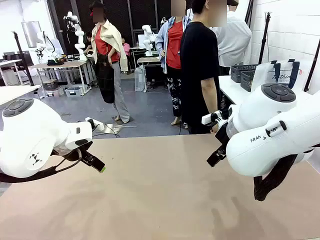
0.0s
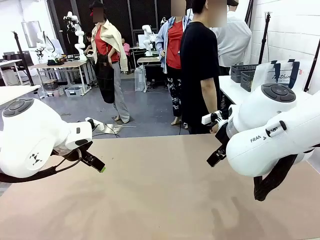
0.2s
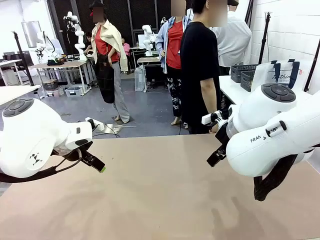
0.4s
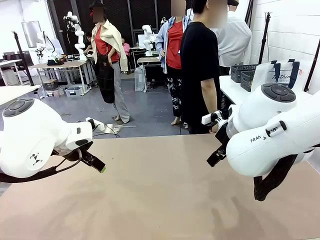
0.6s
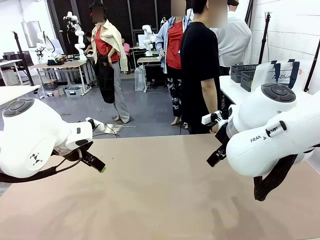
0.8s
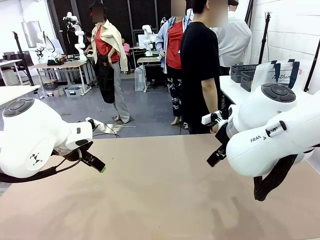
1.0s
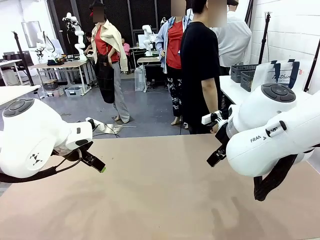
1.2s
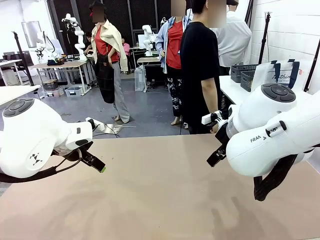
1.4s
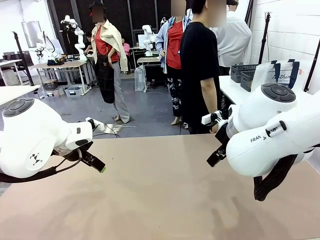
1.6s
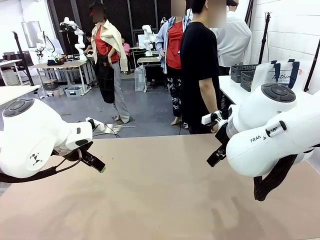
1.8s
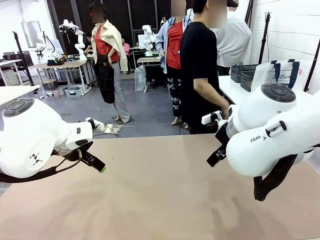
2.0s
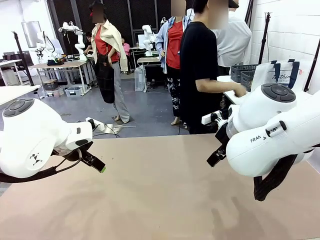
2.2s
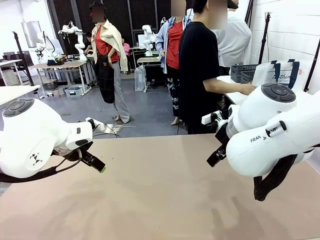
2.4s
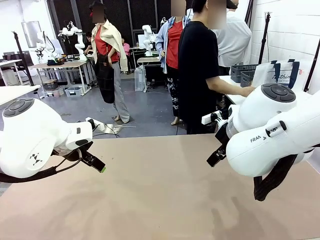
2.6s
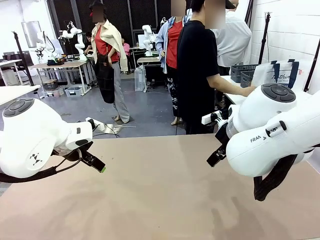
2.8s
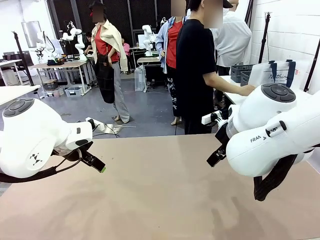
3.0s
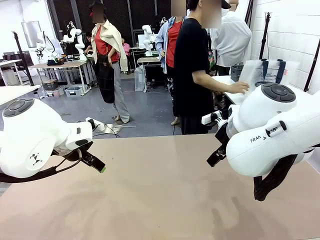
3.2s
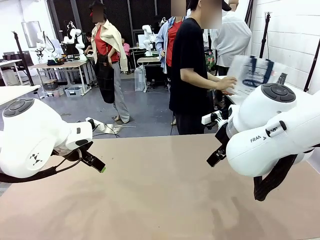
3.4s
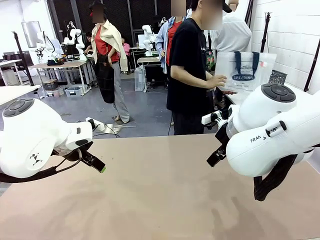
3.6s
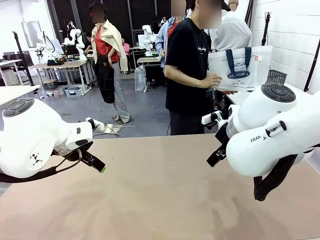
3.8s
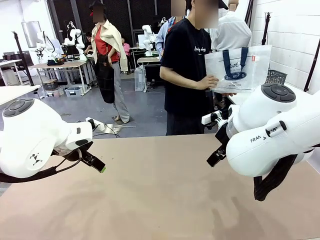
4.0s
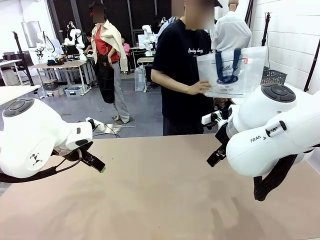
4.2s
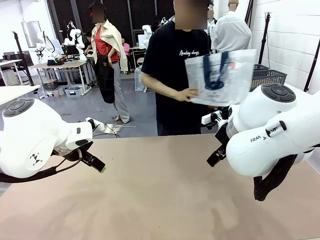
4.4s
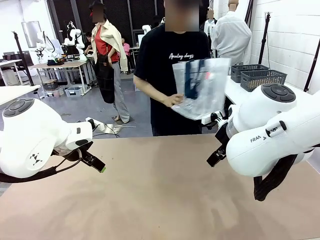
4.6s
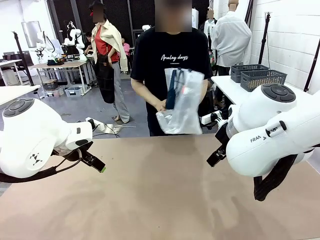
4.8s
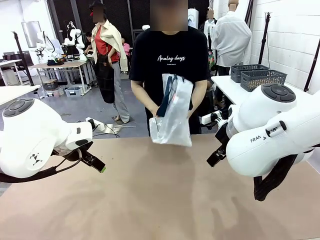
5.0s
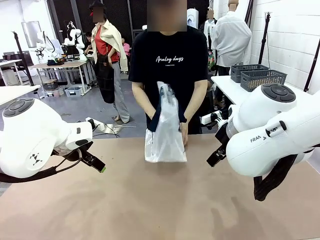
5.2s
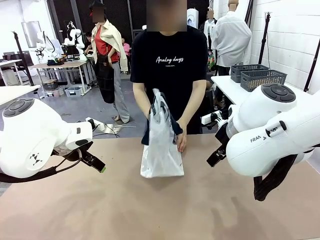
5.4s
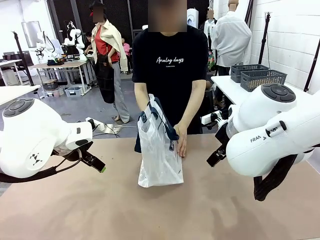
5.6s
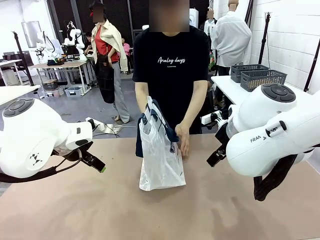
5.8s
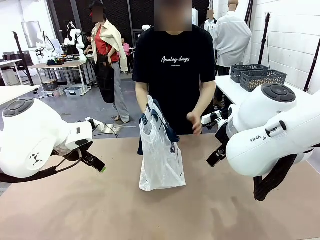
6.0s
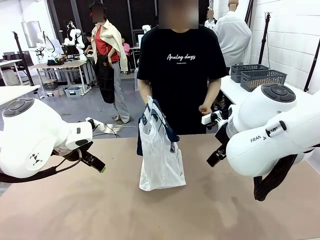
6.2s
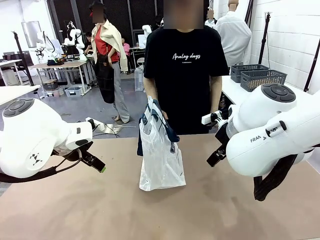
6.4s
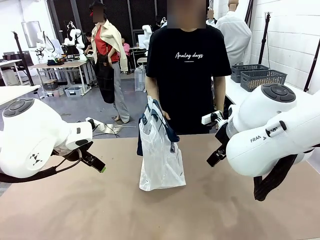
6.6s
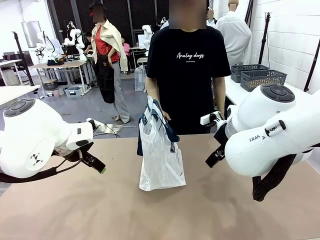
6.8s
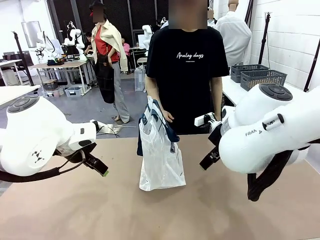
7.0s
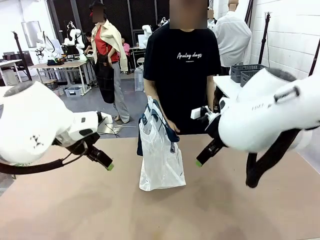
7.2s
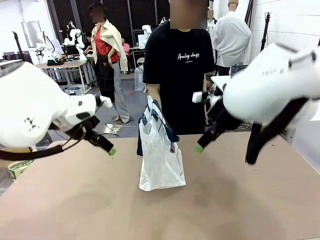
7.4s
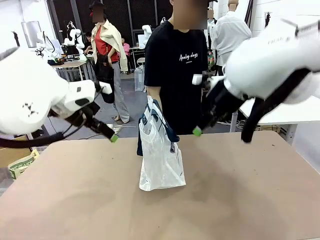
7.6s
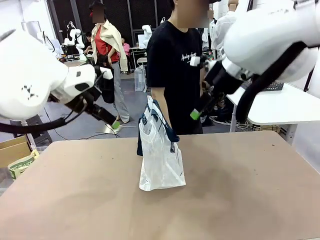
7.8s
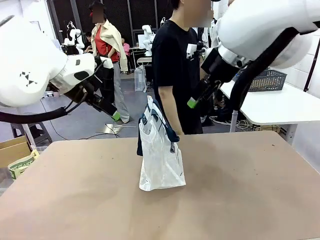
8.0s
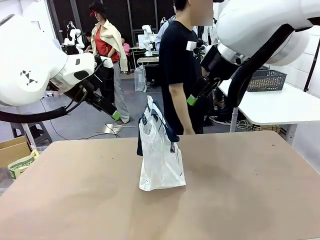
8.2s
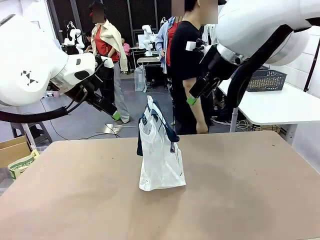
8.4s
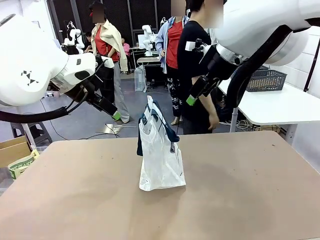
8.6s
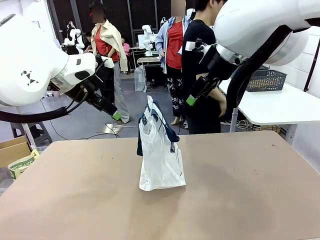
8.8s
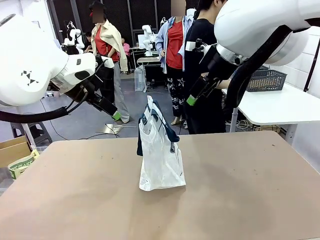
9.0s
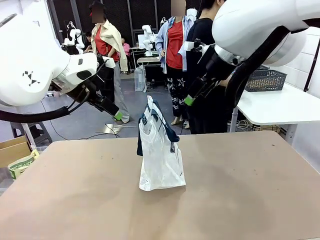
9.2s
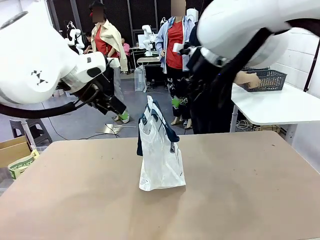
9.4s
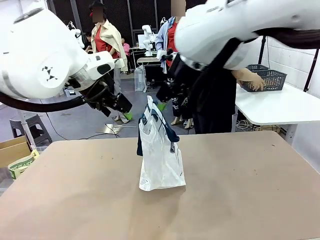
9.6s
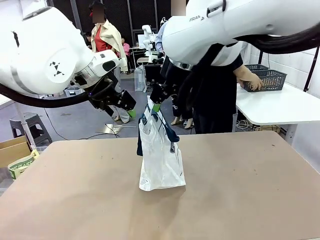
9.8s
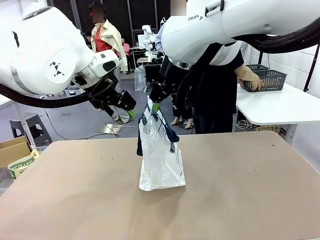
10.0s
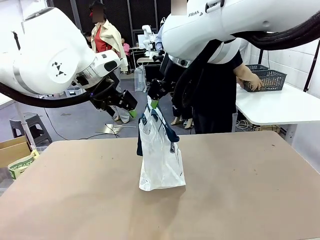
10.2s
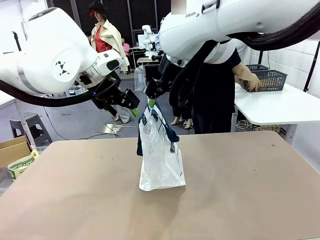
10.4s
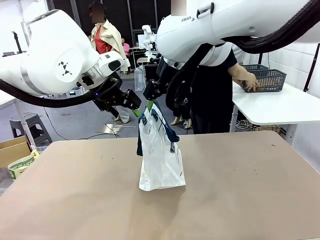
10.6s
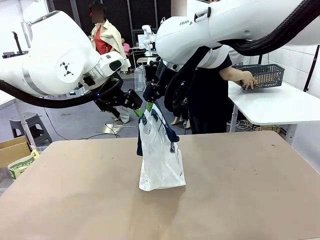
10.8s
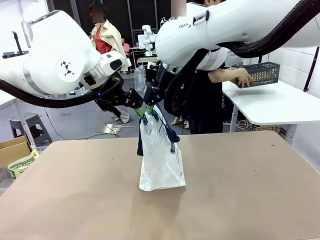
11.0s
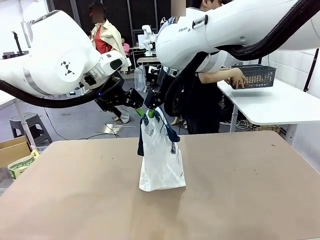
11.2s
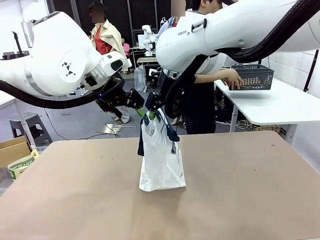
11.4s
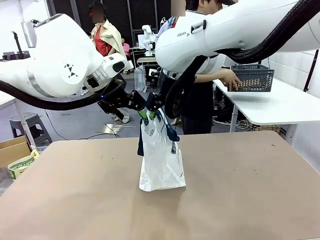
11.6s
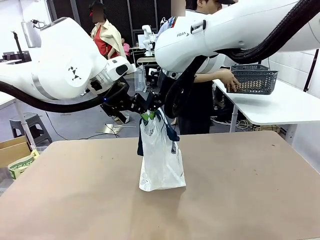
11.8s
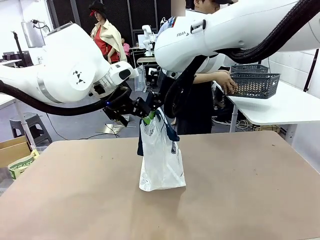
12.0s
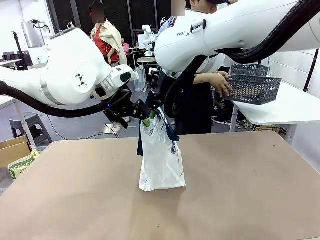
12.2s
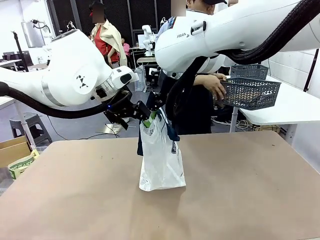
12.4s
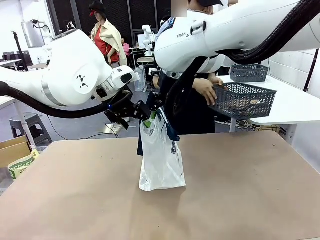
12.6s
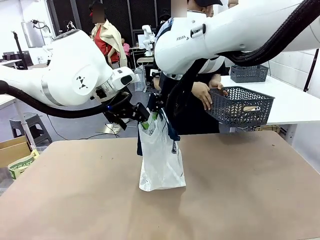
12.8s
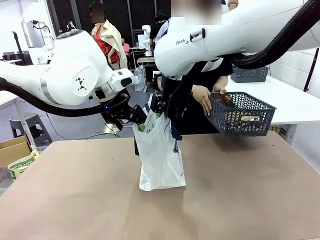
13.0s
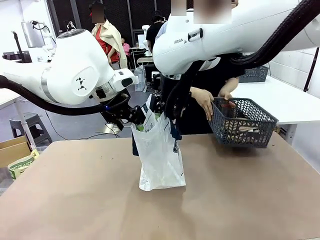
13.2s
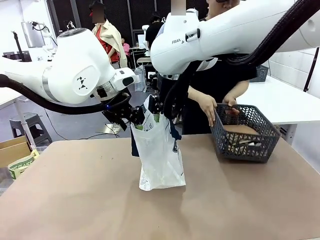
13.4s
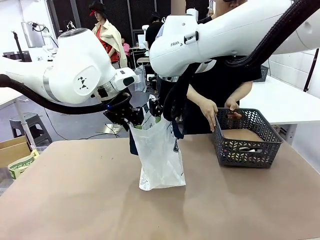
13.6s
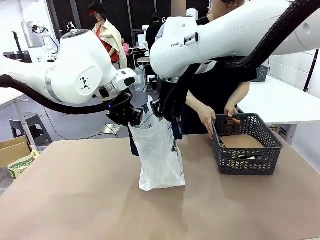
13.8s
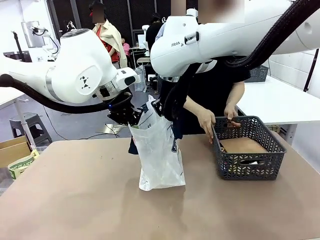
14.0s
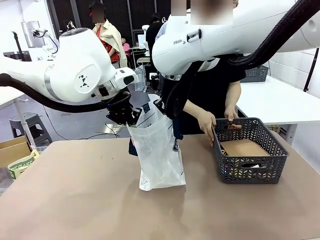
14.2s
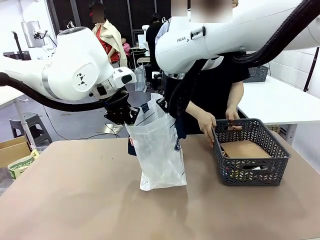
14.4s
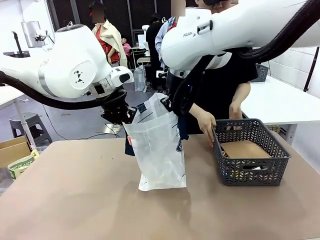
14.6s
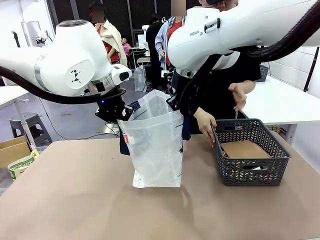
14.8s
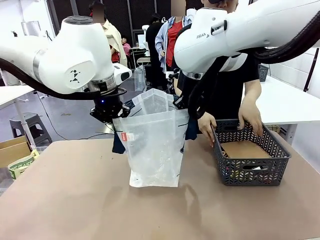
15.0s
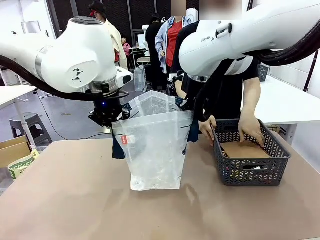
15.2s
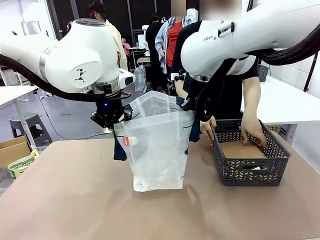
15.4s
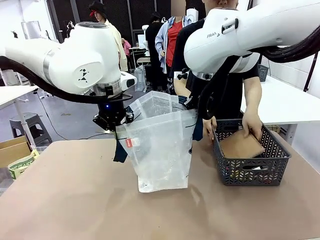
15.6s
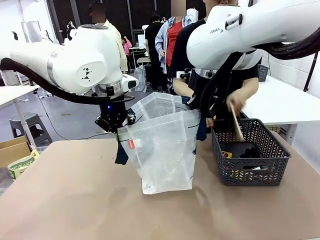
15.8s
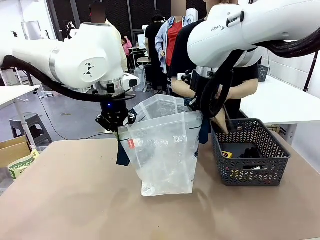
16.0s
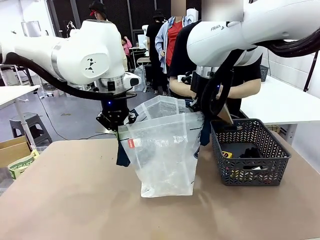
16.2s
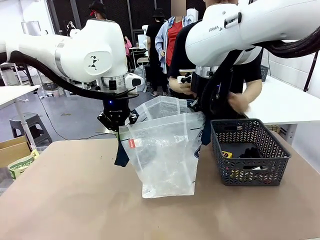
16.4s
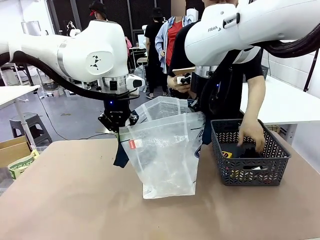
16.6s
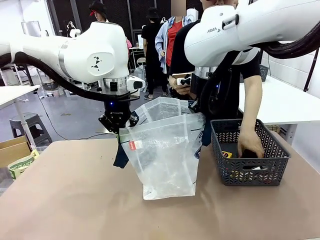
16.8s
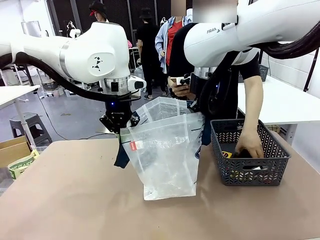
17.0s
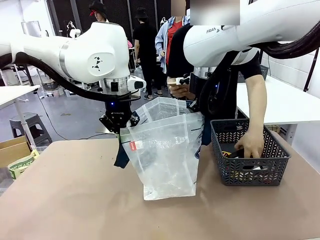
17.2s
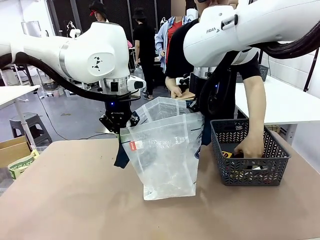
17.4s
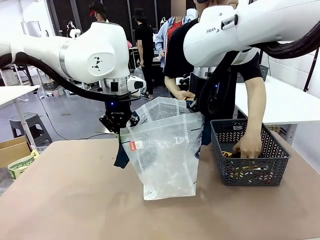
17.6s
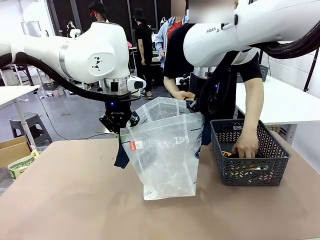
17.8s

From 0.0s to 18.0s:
Task: Transfer purchased items from the store into the shopping bag.
Robot: Open the Reusable shopping bag in the center of the table.
Person: Pick up the shopping bag and place it in the middle of the robot table.
